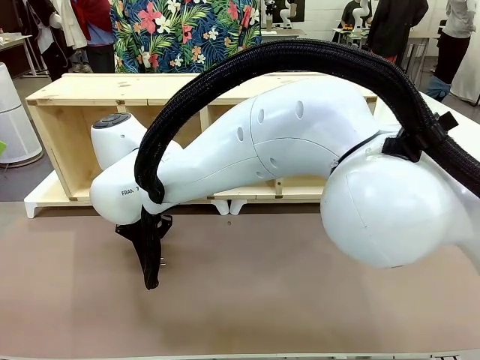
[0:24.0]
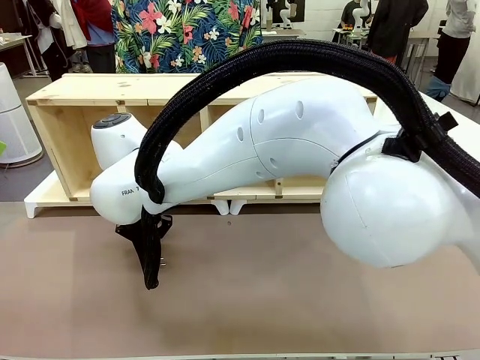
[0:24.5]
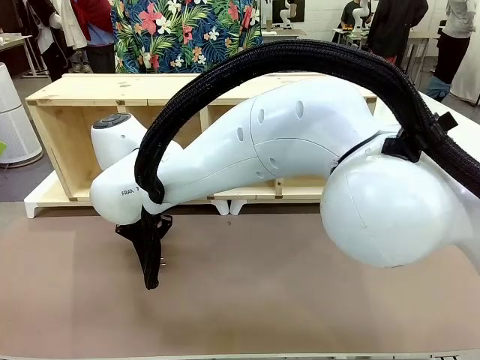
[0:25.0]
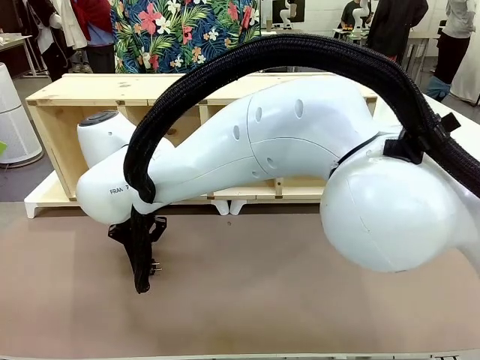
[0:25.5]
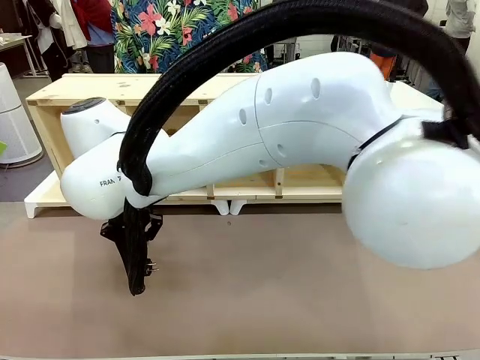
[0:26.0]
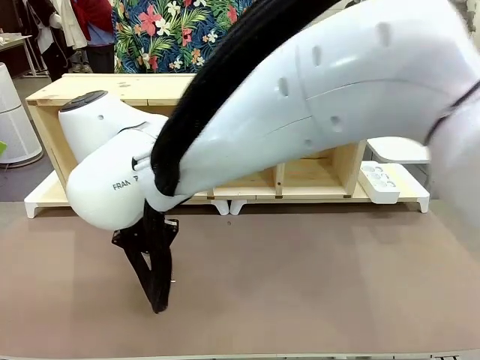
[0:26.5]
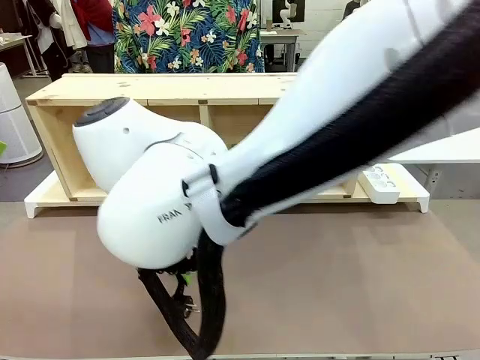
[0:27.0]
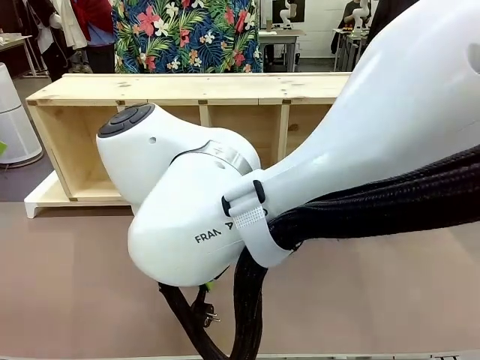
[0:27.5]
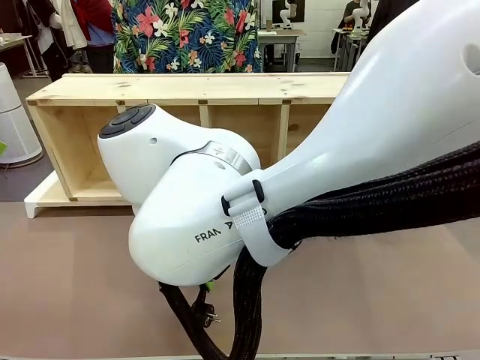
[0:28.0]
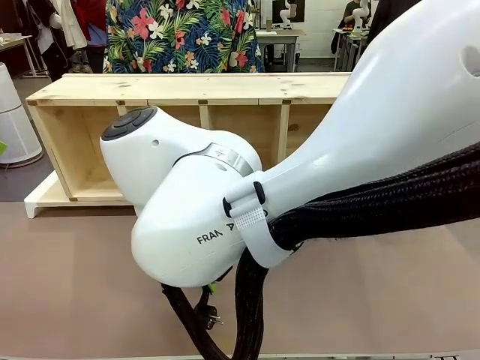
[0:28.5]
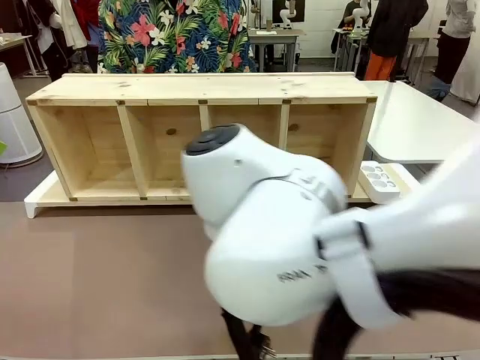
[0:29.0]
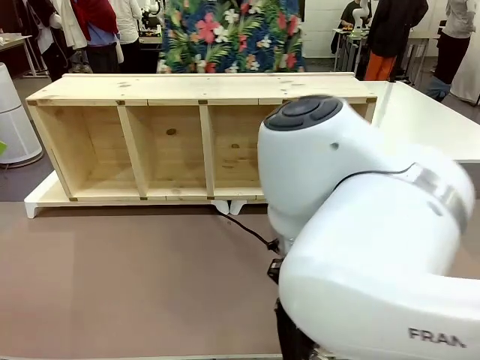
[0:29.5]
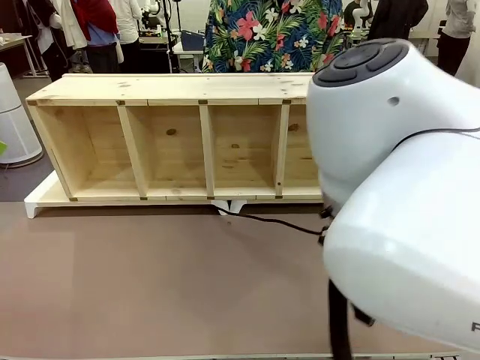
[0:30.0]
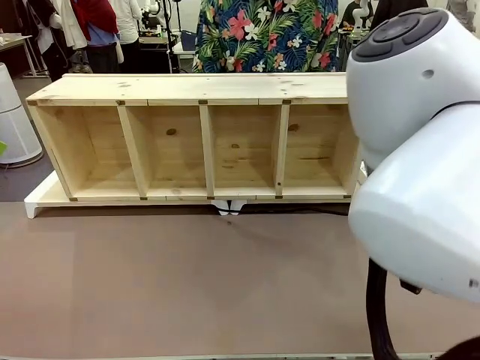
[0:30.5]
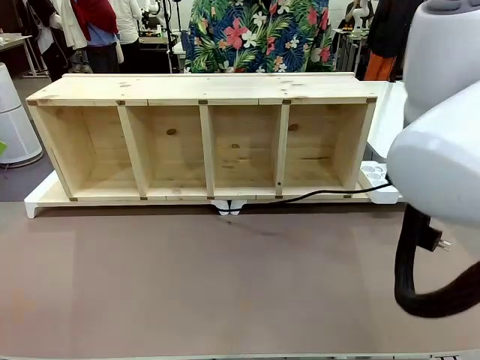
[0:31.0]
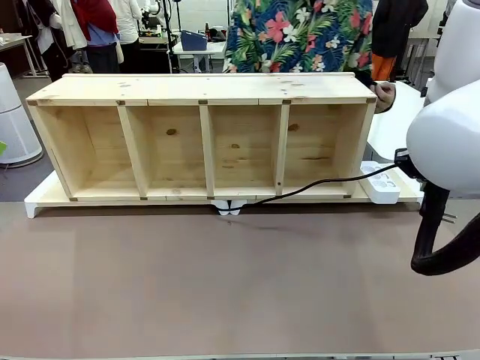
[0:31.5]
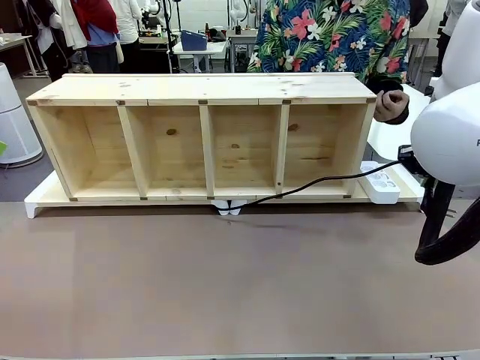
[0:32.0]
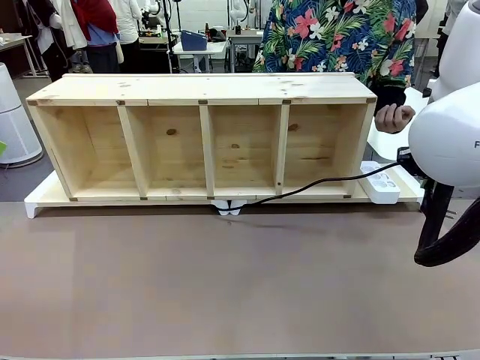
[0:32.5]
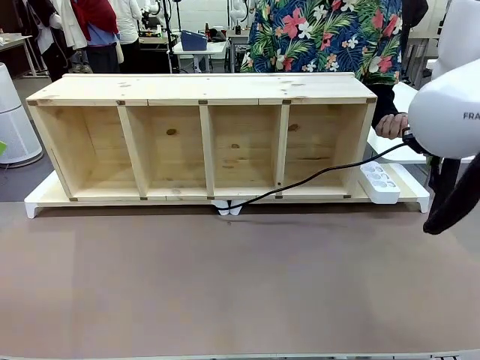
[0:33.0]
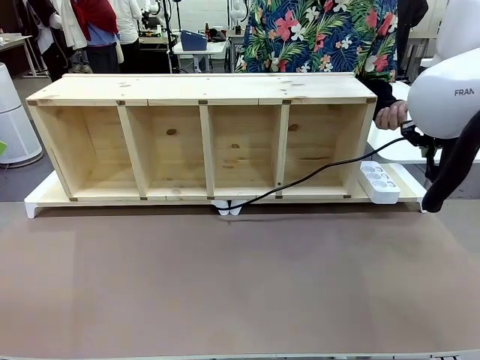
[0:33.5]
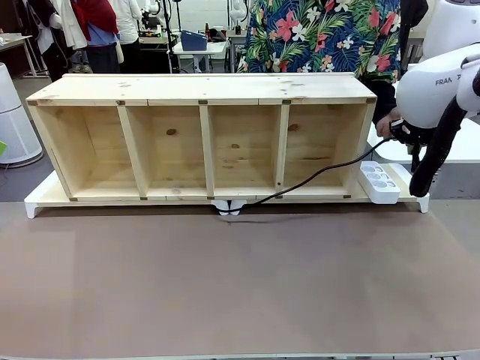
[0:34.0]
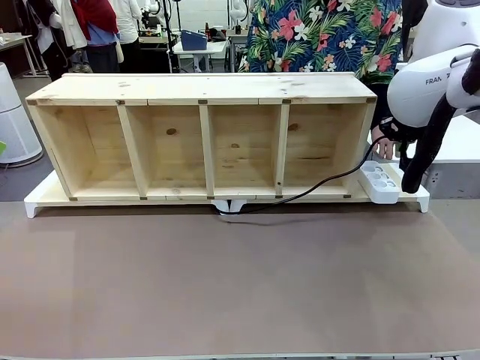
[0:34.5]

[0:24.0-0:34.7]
Task: Perform cable management.
Robot: Pull the grasped Power Cable to the location of the Power Strip.

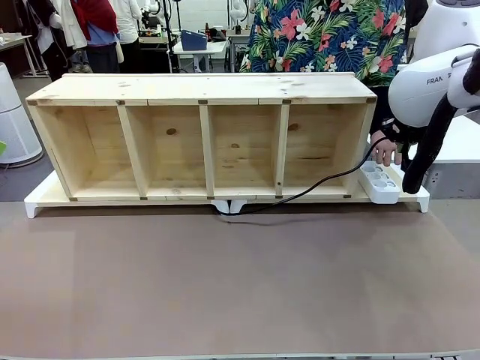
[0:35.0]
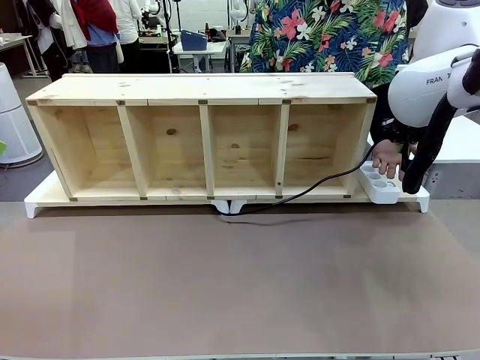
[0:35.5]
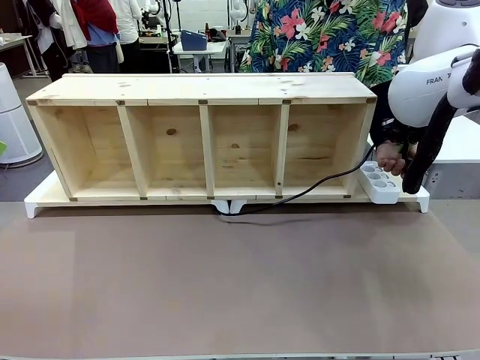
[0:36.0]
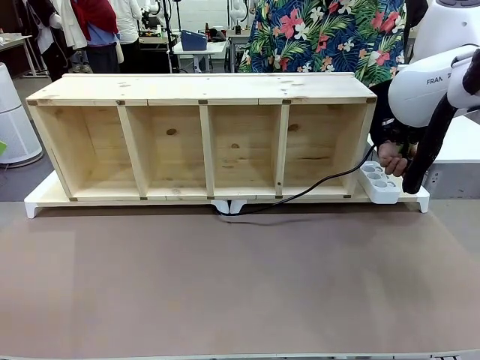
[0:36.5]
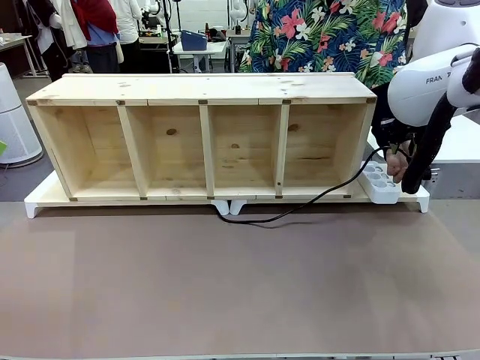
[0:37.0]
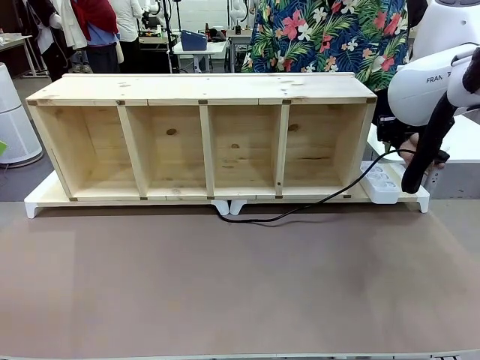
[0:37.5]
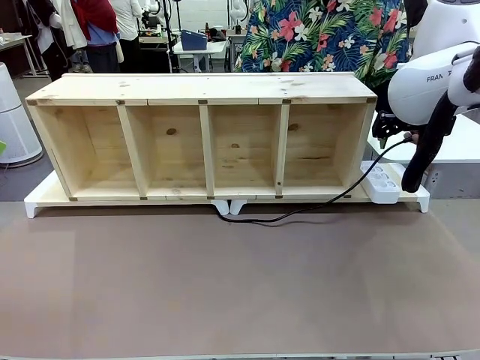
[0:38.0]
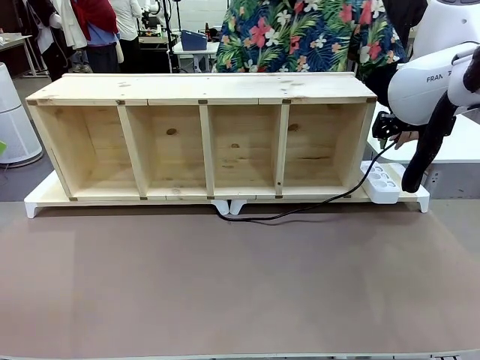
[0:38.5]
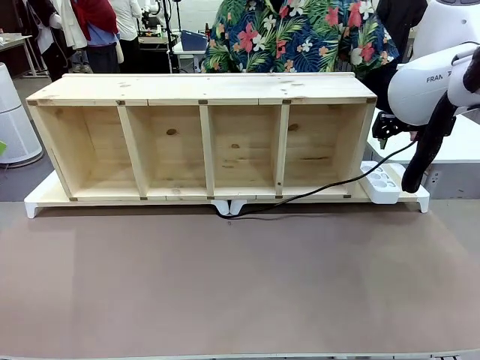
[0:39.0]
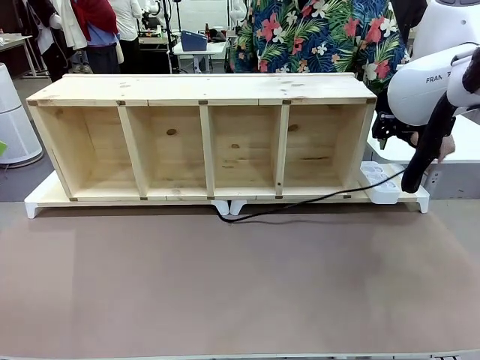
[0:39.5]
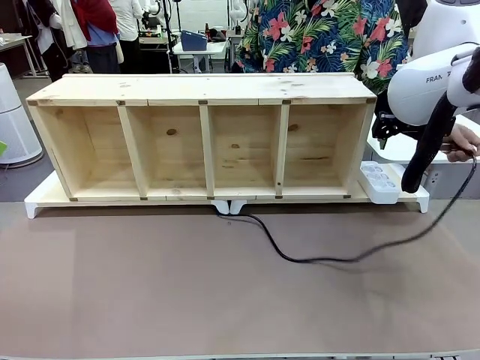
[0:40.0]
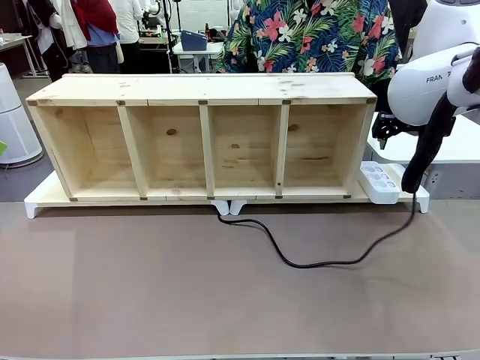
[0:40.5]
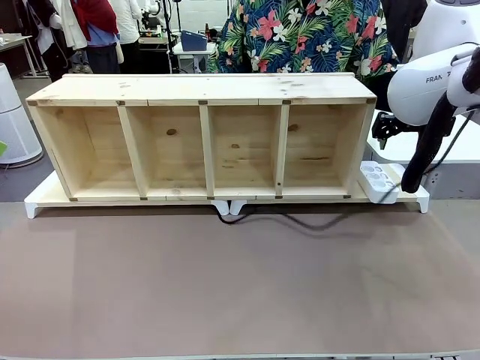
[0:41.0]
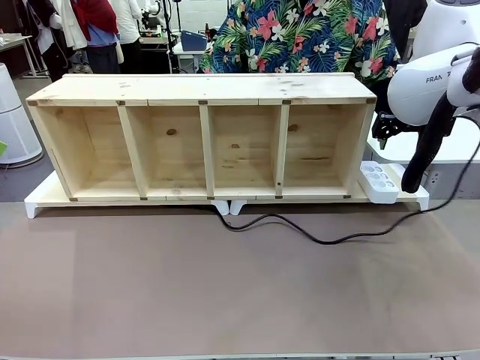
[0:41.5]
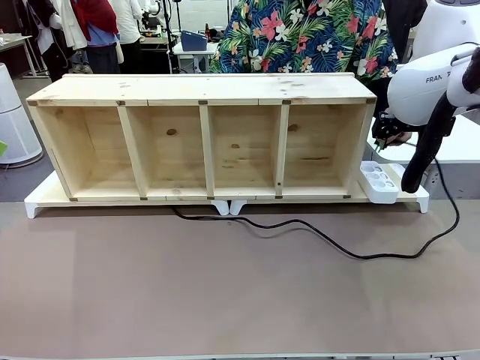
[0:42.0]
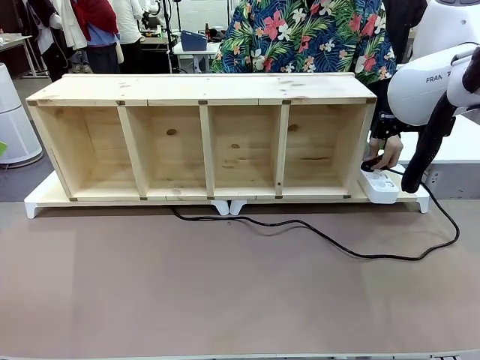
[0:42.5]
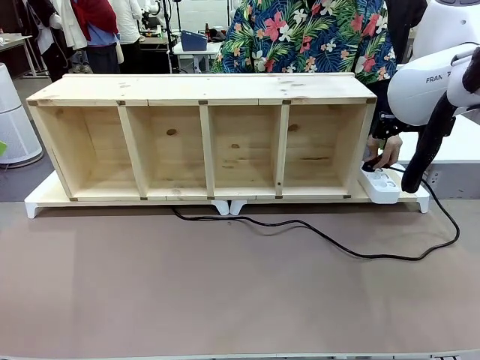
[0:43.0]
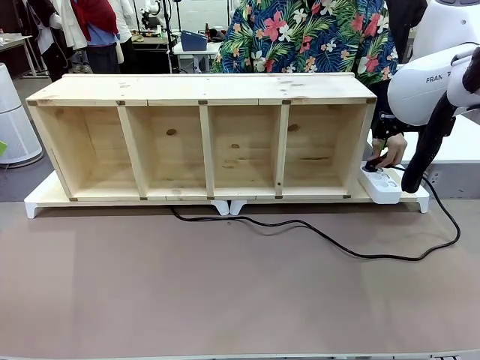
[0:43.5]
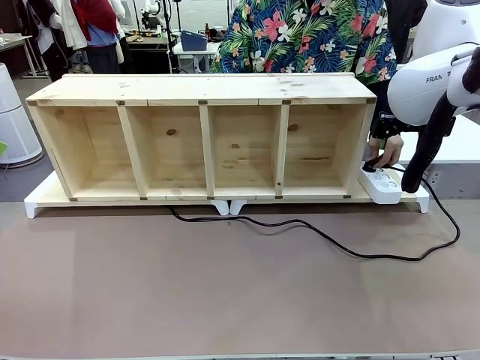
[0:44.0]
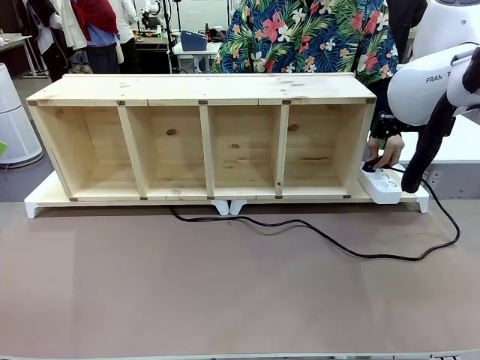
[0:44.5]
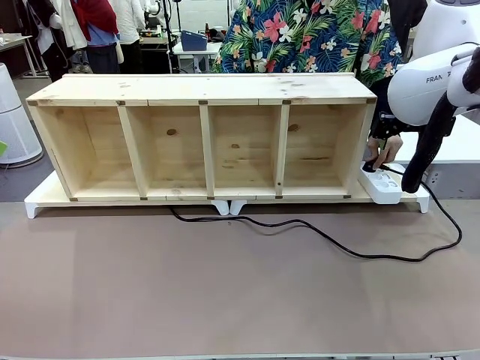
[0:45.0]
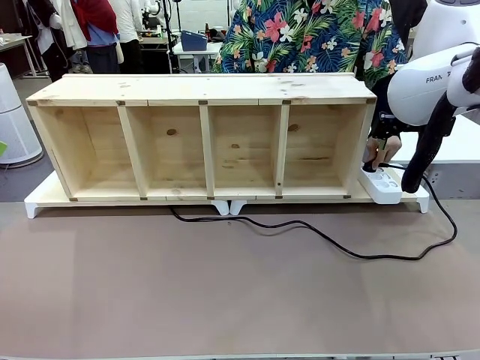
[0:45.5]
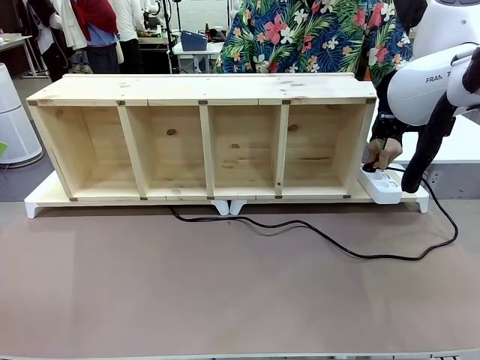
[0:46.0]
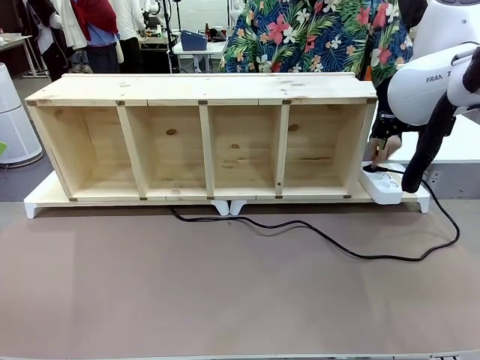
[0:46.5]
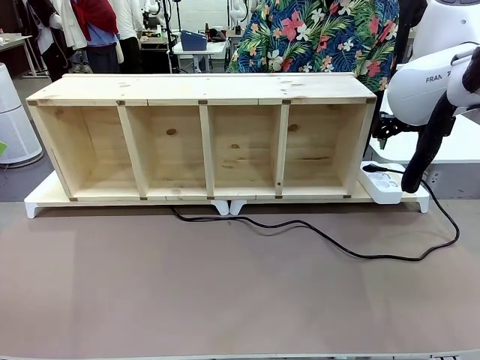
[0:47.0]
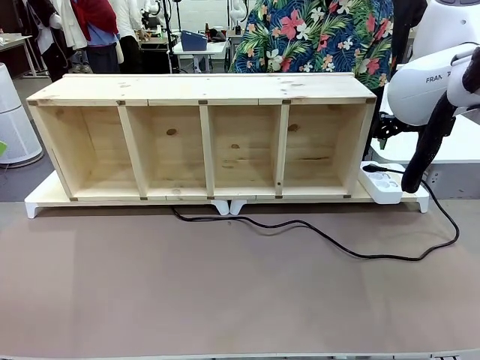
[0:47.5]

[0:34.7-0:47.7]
Robot: Release the Power Cable when the human grasps it.
Person: Plug the Power Cable into the Power Strip.

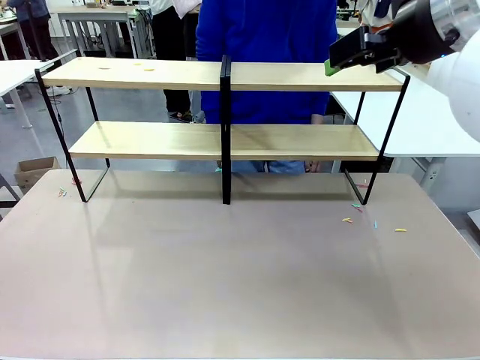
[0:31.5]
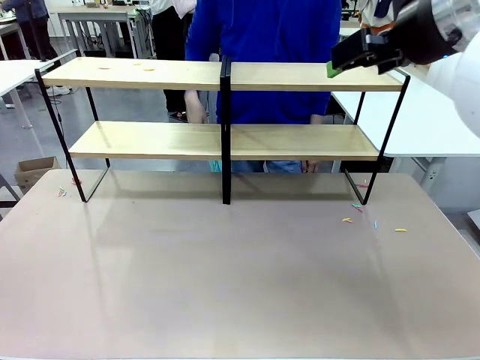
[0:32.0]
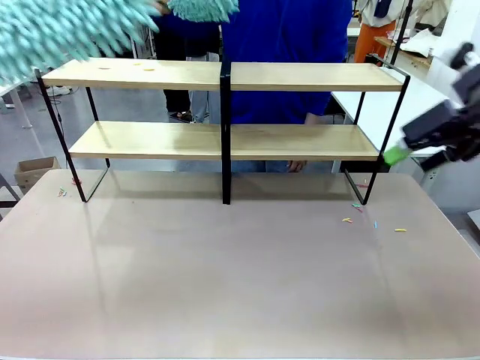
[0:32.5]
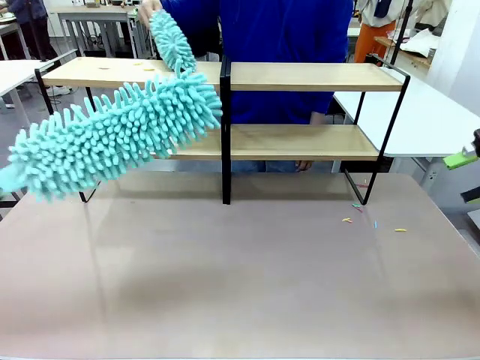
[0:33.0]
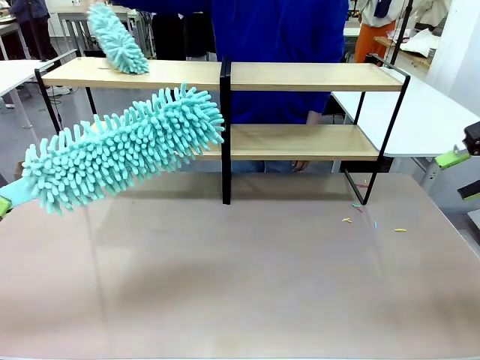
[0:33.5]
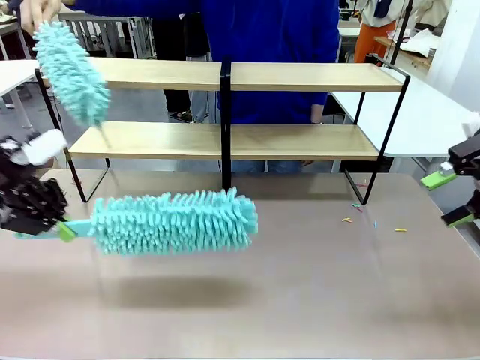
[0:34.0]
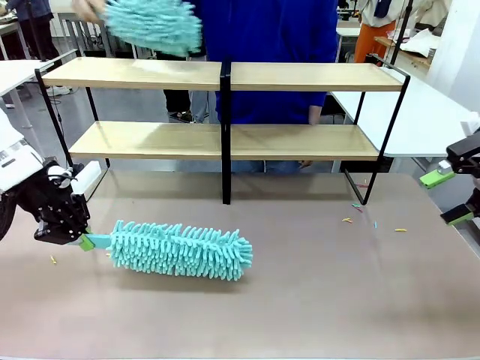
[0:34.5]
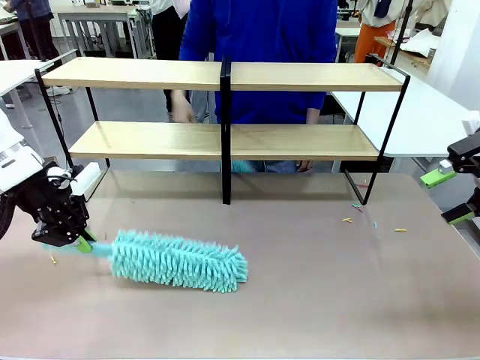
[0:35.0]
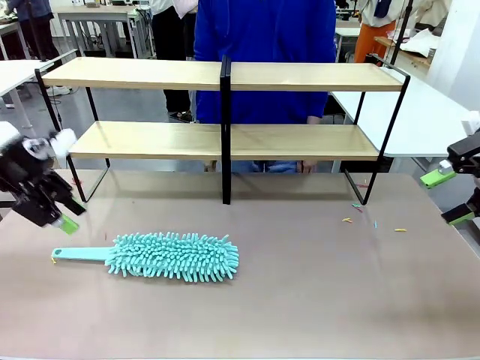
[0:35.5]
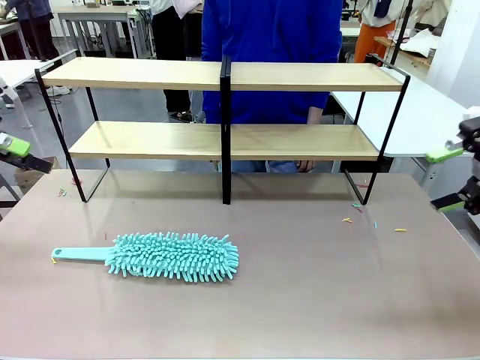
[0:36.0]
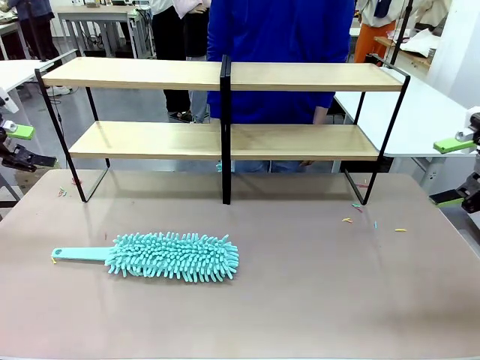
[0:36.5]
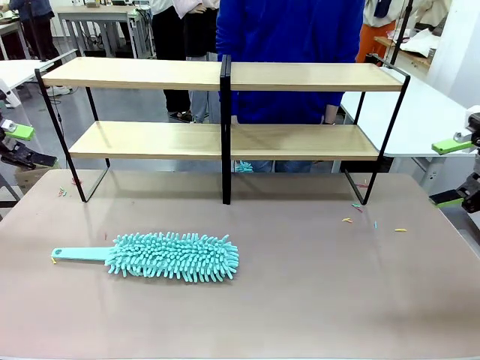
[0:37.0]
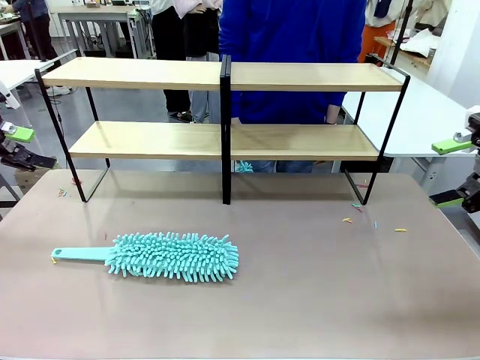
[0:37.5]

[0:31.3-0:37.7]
Task: Clean the shelves.
Robot: Place the Duster on the table.
